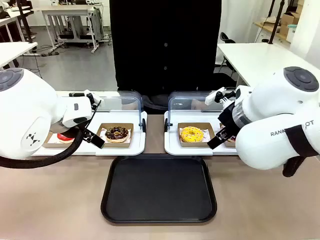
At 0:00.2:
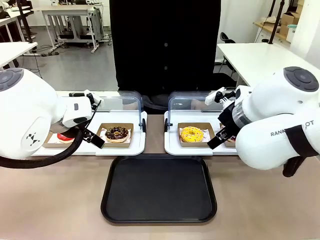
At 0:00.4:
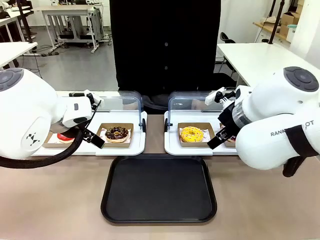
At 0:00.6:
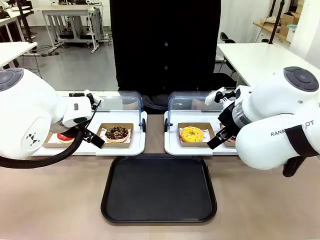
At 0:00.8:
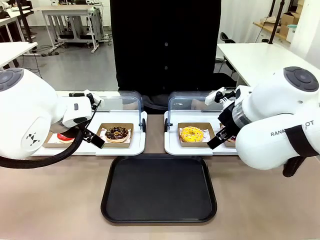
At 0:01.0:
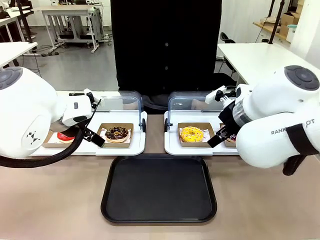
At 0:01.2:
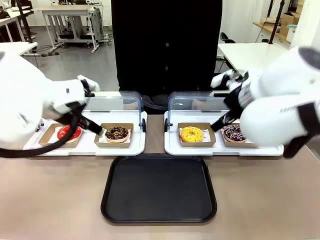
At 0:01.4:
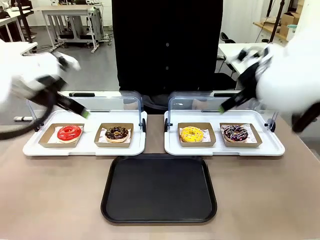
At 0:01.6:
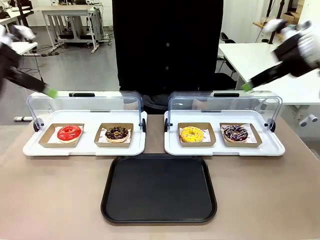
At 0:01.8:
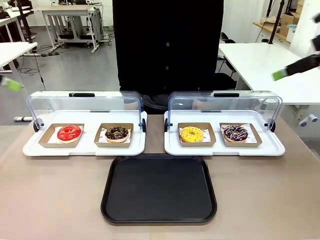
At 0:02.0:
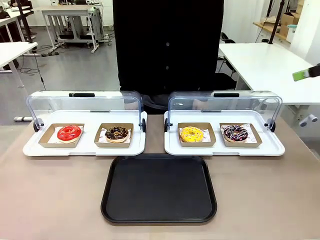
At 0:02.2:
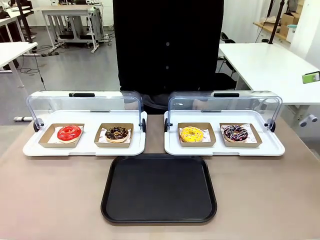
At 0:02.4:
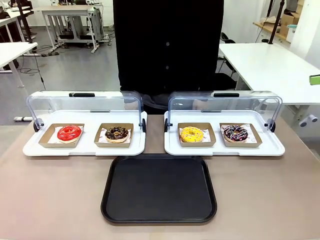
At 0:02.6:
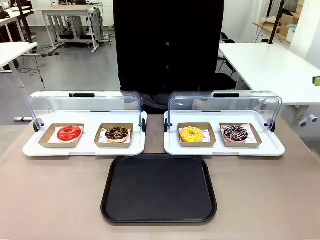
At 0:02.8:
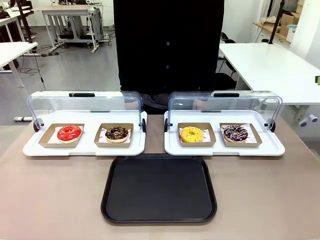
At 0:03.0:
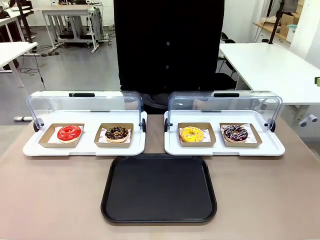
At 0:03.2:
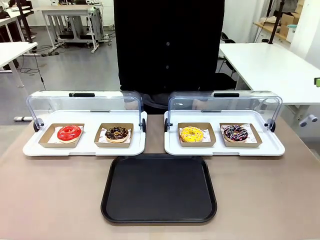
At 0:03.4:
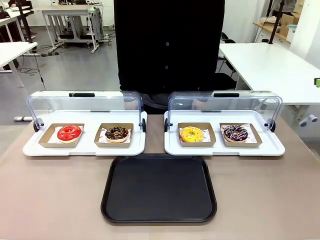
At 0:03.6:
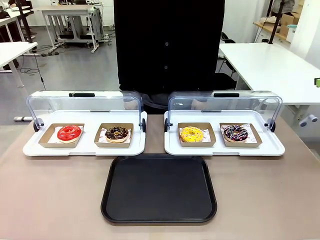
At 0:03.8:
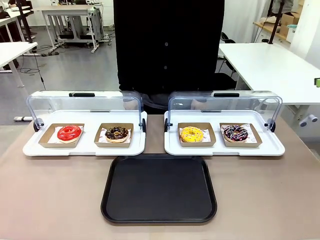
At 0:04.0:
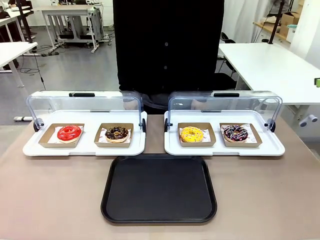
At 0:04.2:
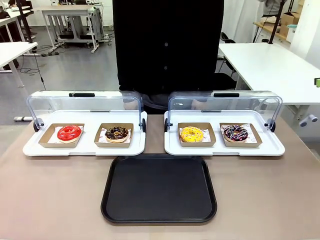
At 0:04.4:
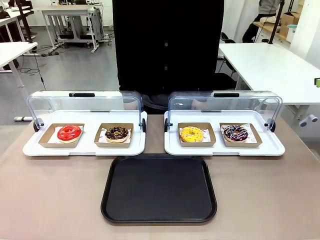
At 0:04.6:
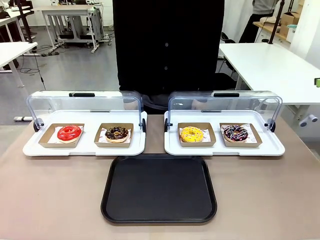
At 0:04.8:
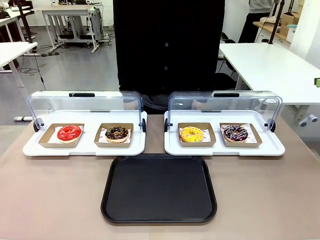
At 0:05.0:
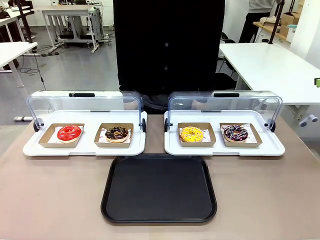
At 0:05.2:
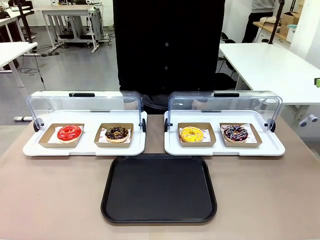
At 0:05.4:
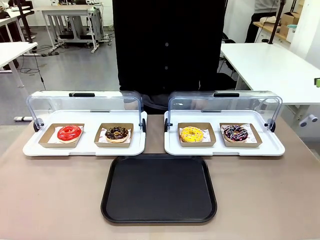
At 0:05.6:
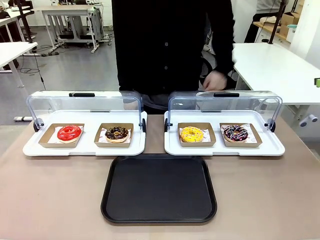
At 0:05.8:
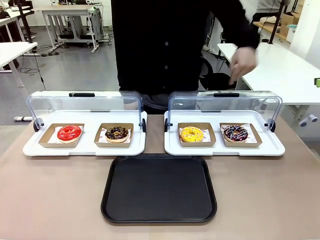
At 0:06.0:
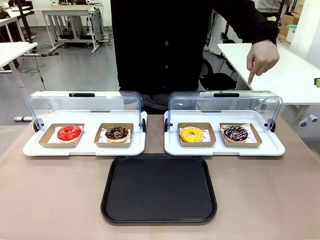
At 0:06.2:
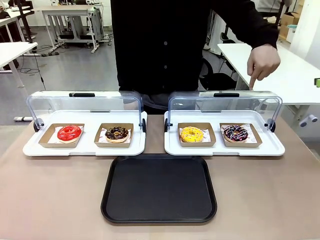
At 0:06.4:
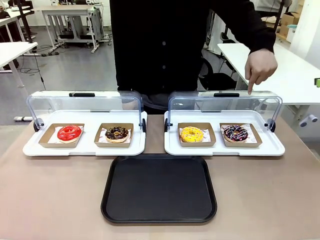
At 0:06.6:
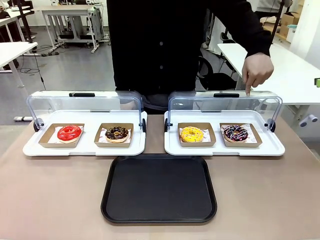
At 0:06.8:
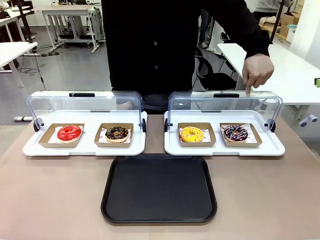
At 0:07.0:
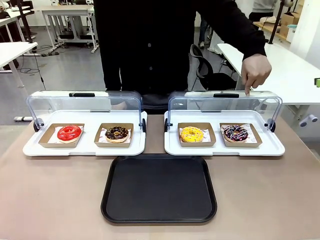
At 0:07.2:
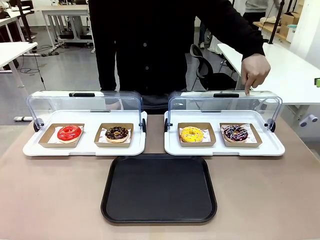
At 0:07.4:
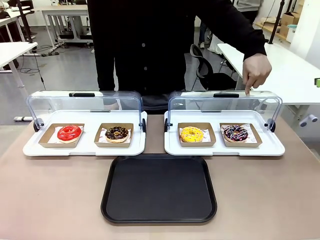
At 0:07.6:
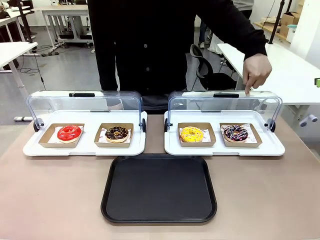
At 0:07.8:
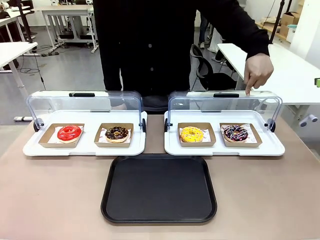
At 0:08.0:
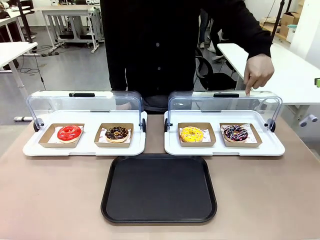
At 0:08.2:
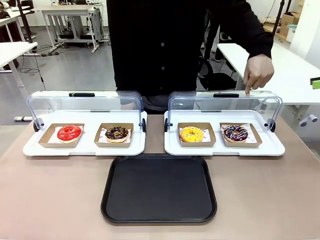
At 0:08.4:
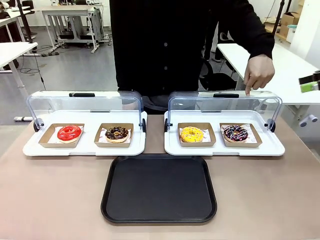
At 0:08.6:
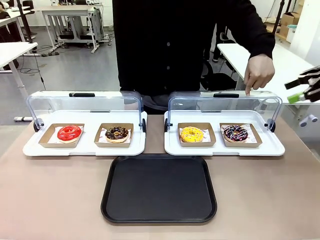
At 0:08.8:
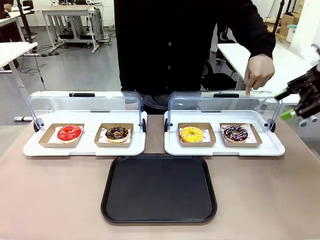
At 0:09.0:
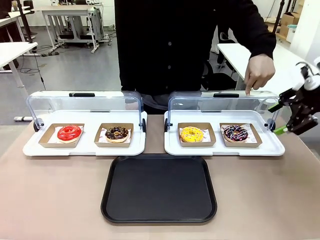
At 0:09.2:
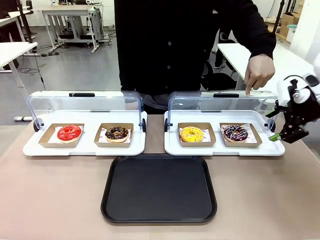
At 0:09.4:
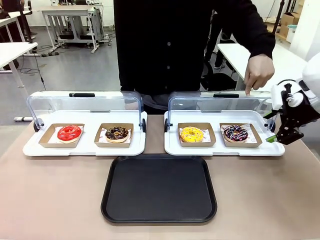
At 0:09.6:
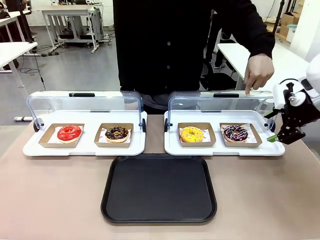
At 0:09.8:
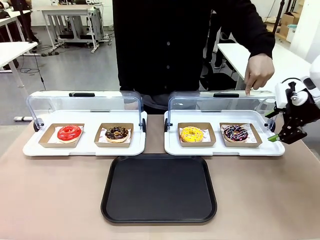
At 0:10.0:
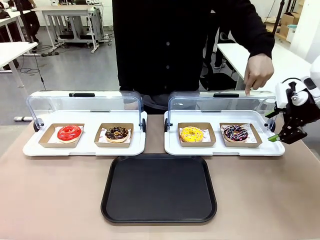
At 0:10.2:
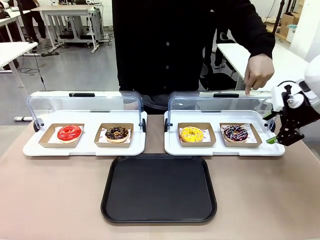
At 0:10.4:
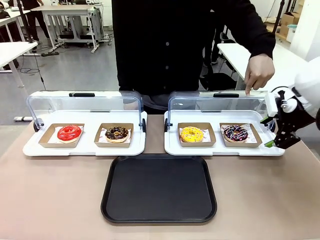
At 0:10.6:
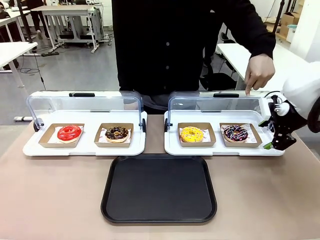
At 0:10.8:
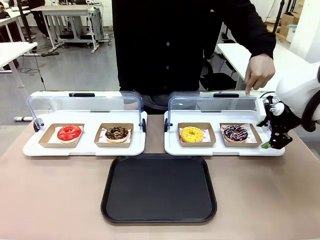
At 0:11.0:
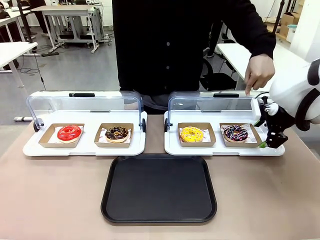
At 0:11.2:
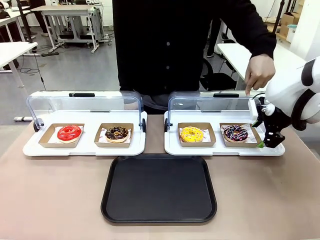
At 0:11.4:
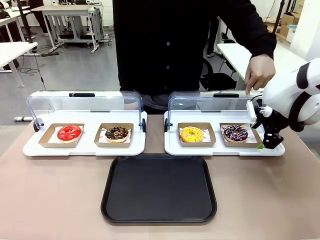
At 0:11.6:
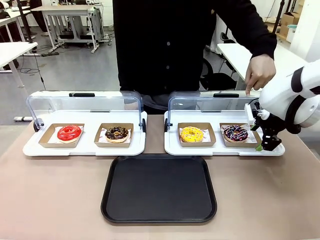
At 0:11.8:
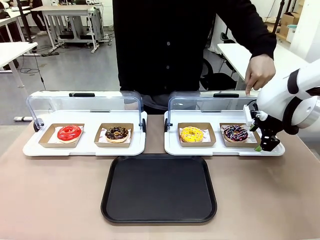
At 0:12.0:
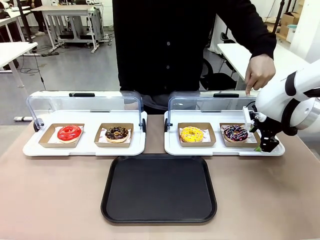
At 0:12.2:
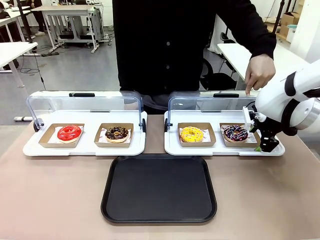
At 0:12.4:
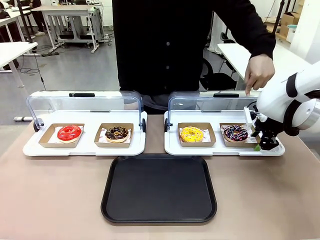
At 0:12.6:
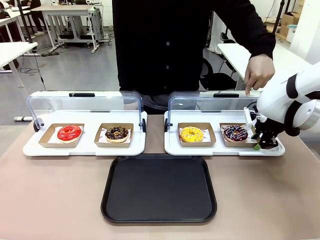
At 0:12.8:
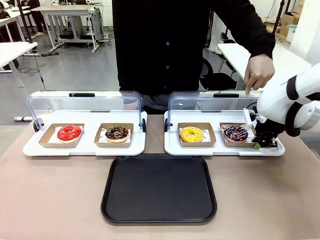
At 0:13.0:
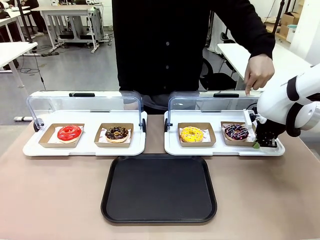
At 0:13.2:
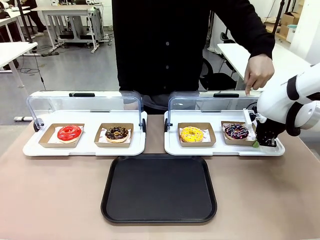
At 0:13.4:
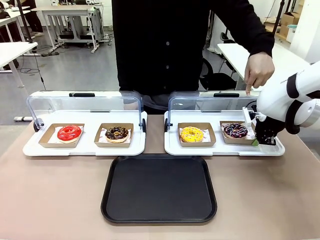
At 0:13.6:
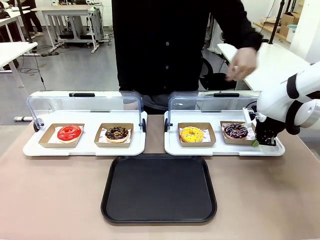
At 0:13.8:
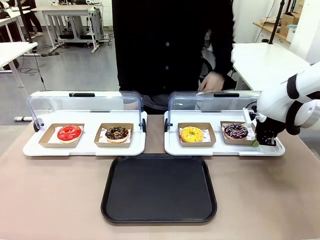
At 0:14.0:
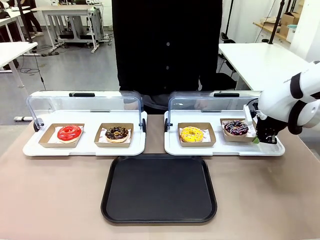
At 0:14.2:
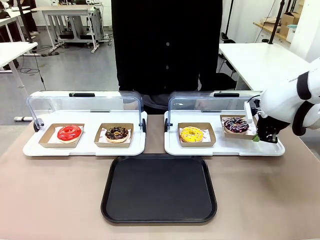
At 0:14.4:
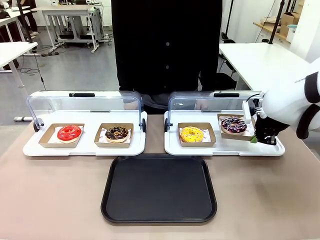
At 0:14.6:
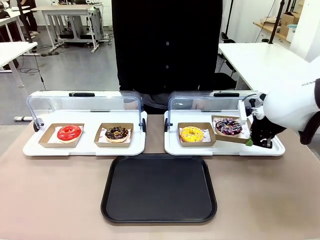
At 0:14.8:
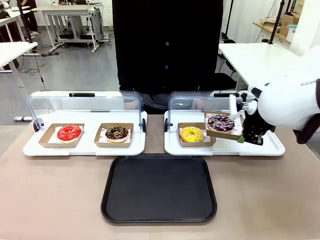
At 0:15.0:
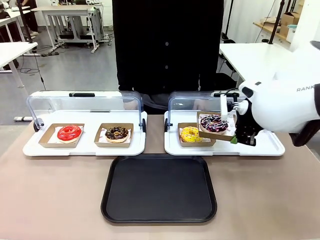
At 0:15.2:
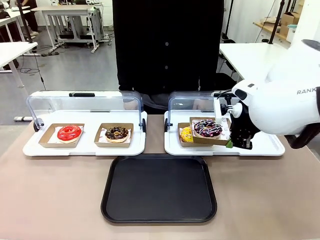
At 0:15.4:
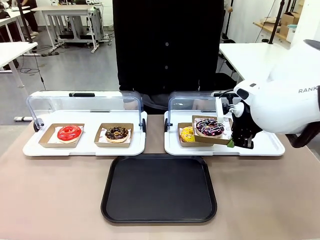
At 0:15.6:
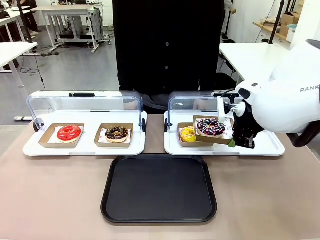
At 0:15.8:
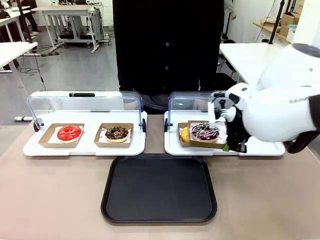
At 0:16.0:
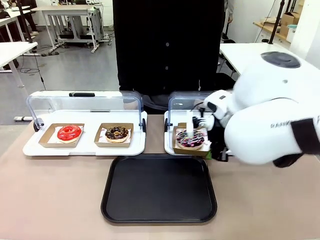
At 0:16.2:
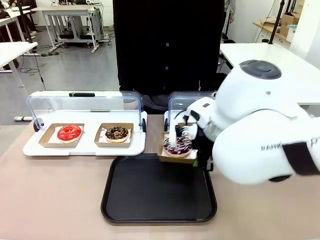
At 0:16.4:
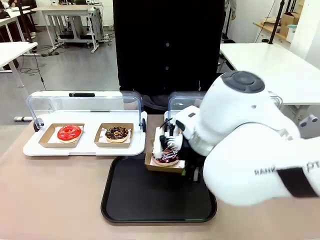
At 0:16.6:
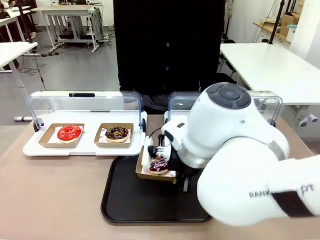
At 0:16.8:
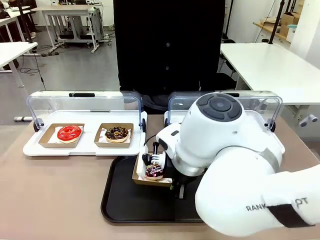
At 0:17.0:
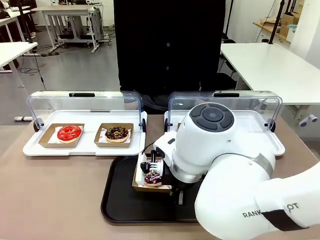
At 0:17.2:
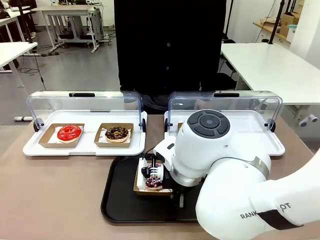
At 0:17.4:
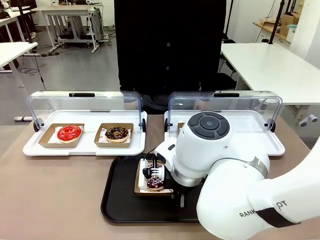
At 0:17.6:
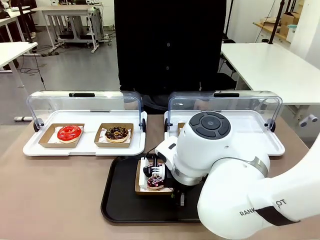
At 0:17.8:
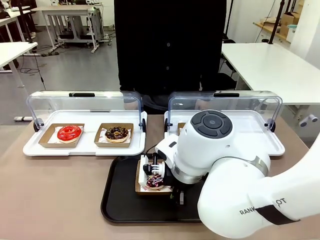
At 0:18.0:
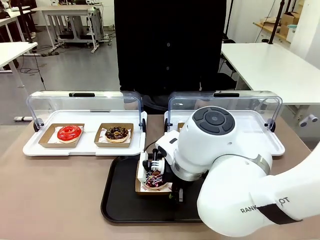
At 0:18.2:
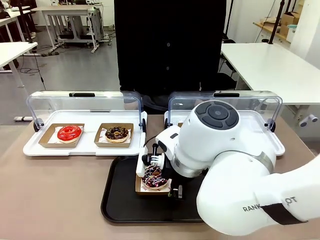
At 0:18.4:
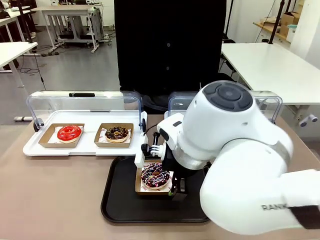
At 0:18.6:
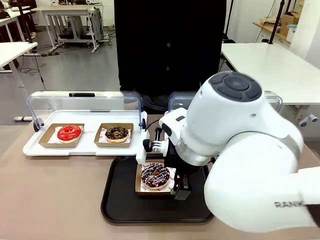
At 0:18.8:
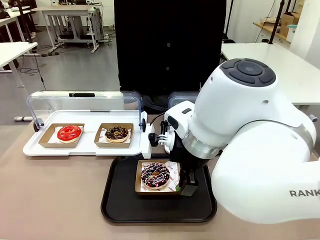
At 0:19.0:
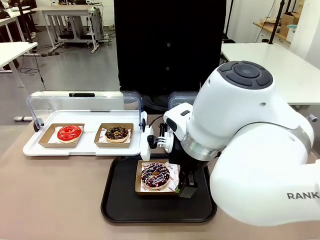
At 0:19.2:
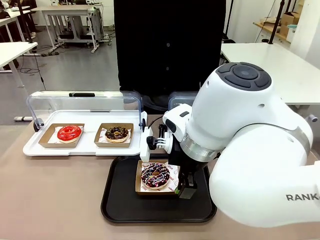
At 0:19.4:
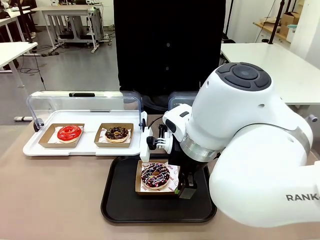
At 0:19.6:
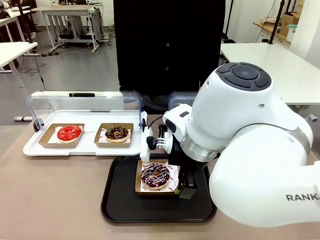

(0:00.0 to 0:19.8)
Task: Move the fourth donut from the left to the tray.
Robot: Pick up the Paper togo box containing the Donut indicated by the person and place it on the Handle tray.
Person: Points to the fourth donut from the left from the robot’s perspective.
